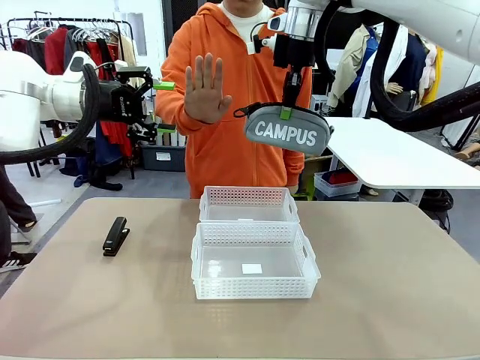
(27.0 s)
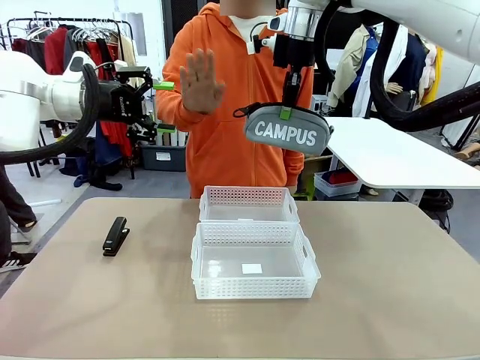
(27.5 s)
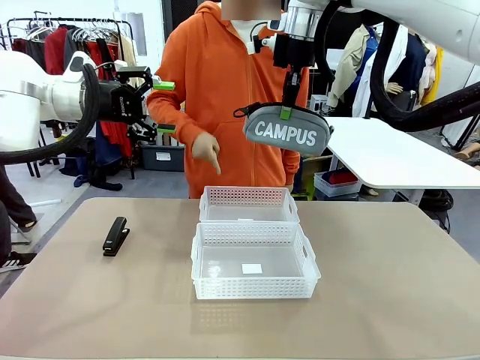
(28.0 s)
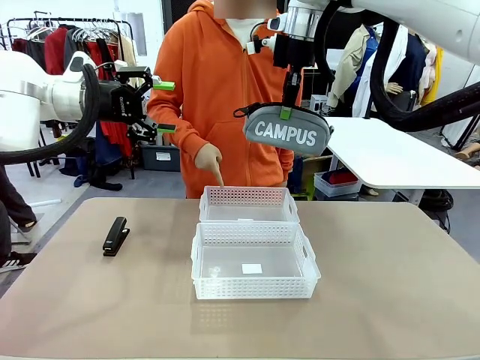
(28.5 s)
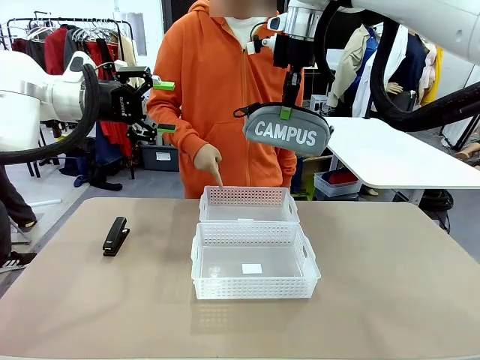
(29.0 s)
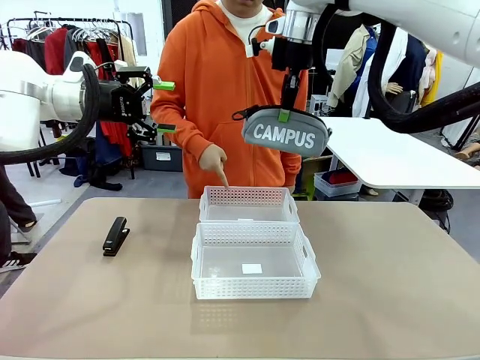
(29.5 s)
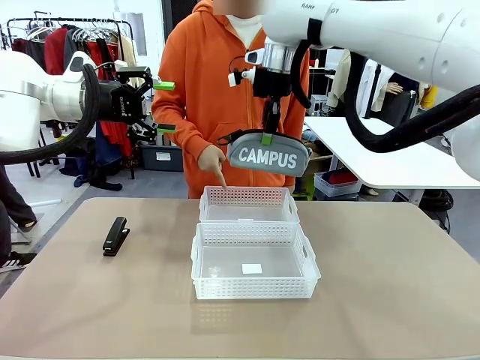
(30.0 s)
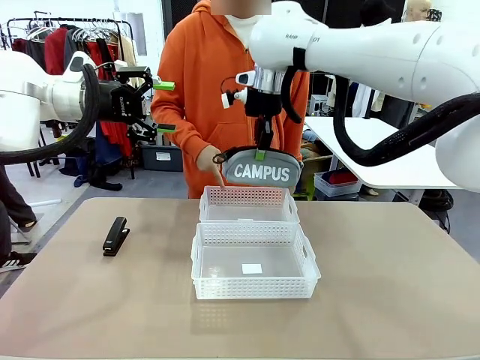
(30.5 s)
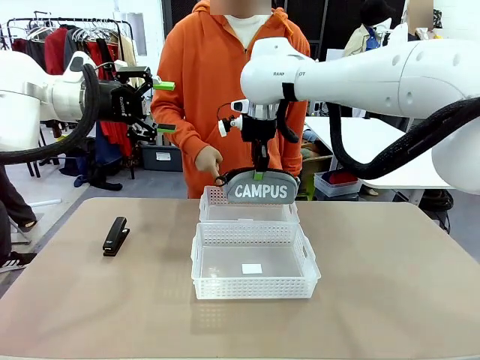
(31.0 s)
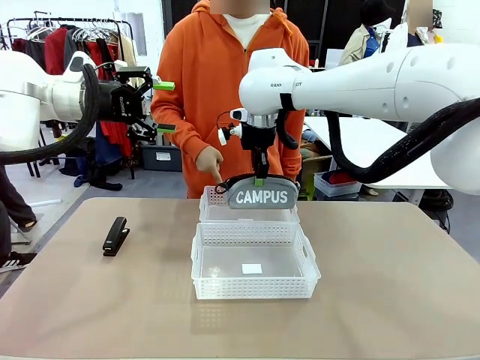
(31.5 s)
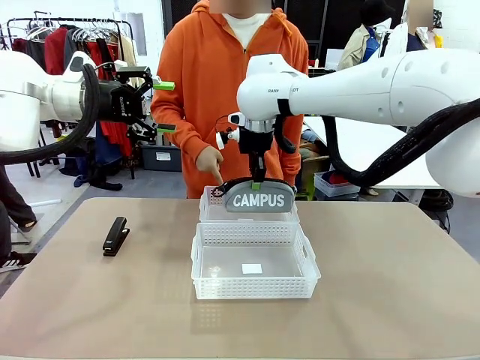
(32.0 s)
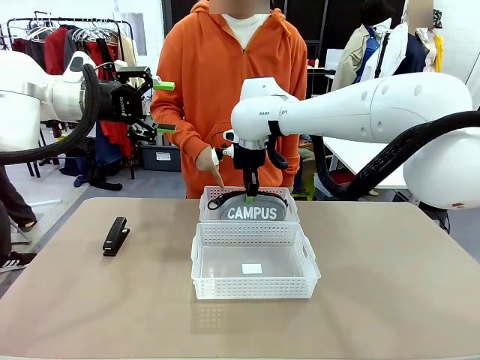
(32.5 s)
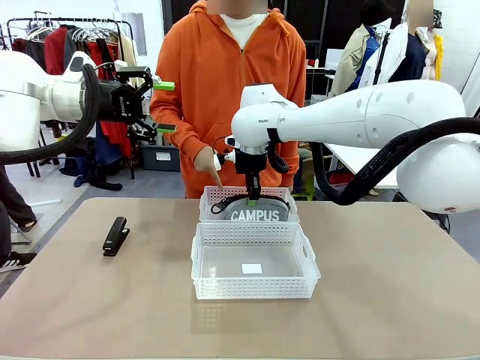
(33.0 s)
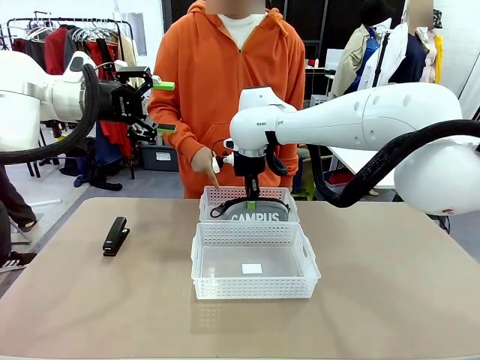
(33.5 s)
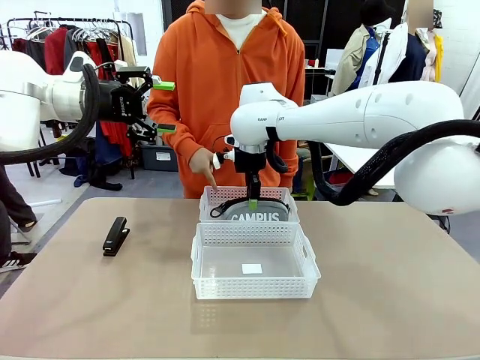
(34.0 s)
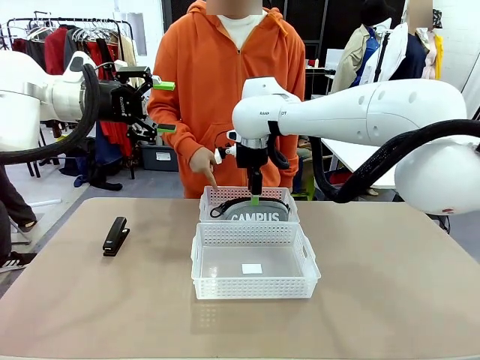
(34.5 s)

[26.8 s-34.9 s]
Task: Distribute items into two baskets.
Robot: Place the picked Pencil pouch into the Organizing basket as instructed by the person.
Person: Instructs the robot to place the pencil case into the opposite basket.

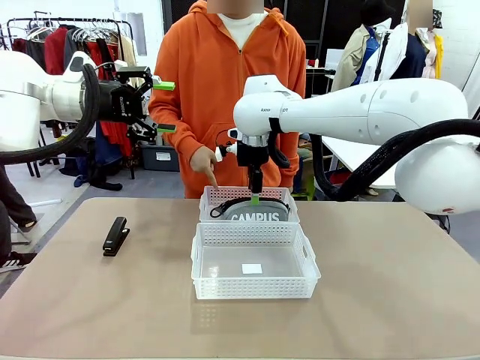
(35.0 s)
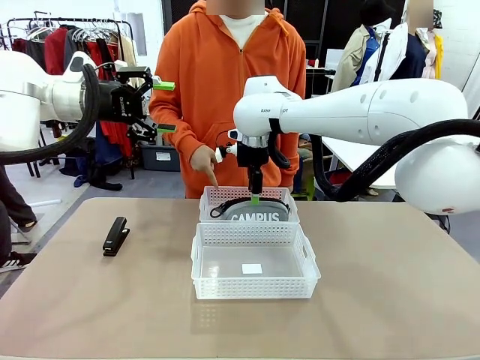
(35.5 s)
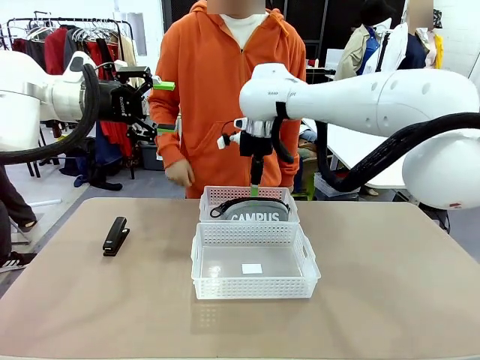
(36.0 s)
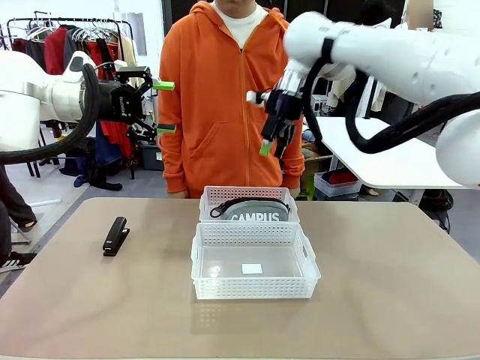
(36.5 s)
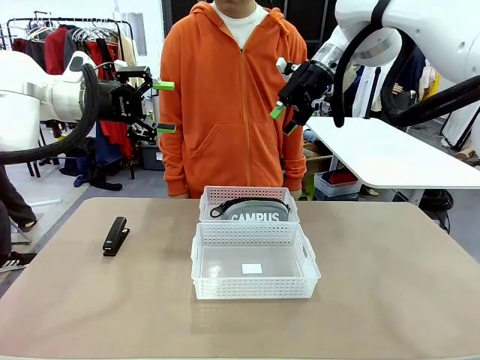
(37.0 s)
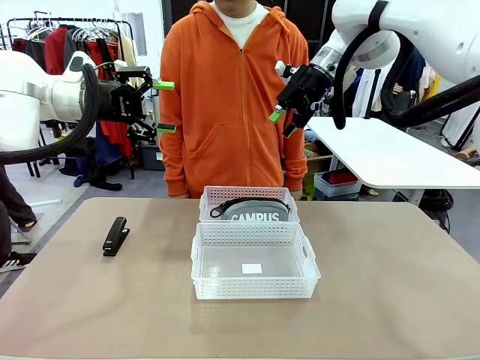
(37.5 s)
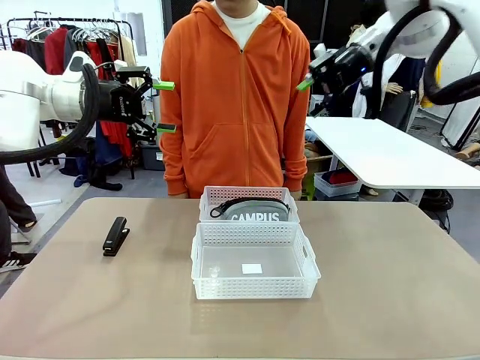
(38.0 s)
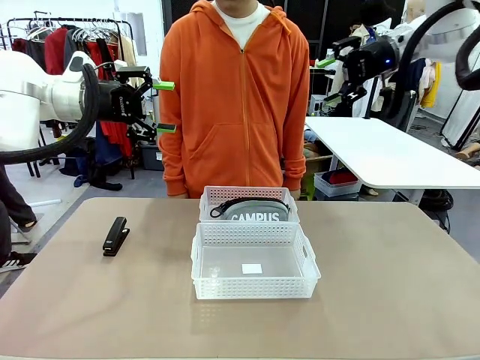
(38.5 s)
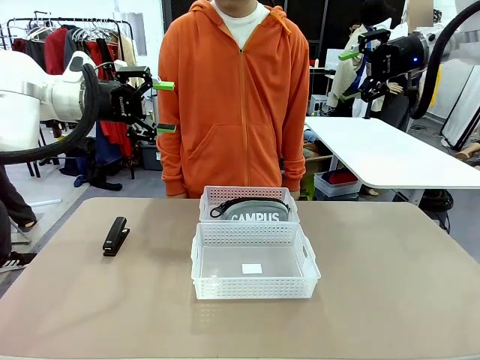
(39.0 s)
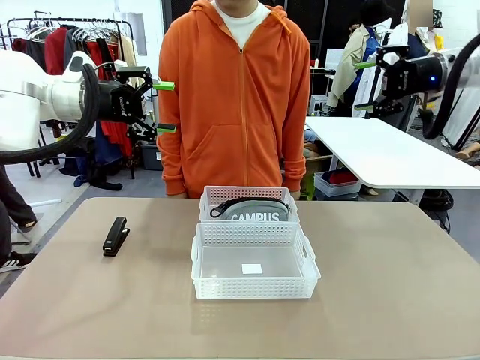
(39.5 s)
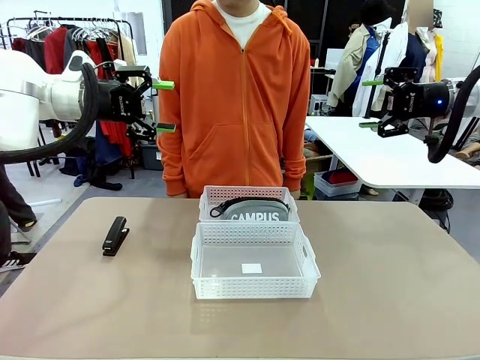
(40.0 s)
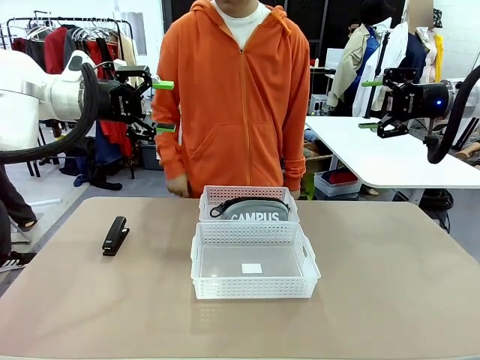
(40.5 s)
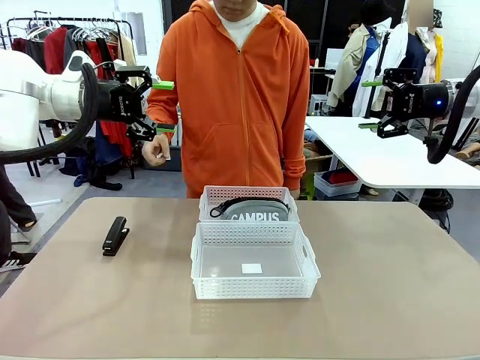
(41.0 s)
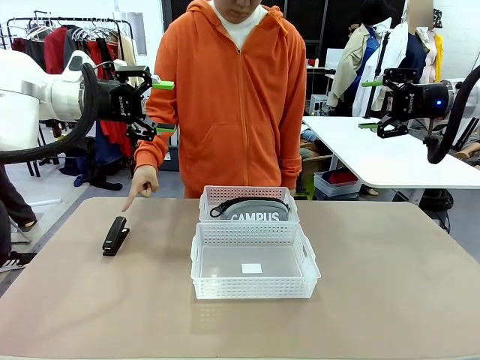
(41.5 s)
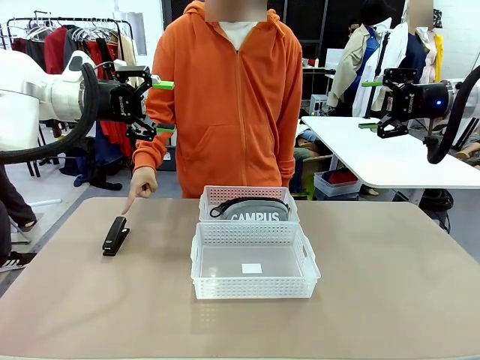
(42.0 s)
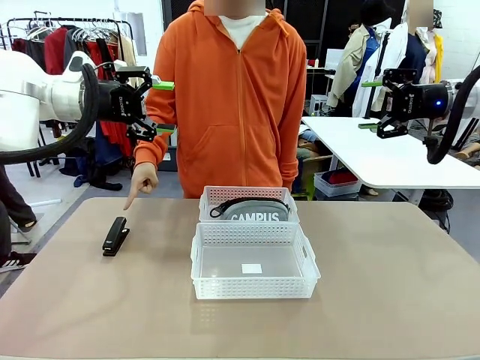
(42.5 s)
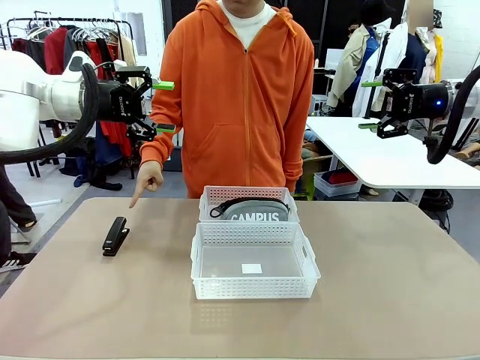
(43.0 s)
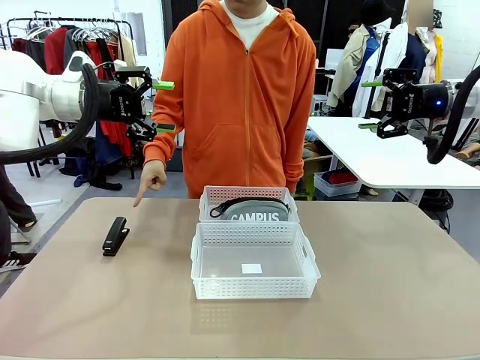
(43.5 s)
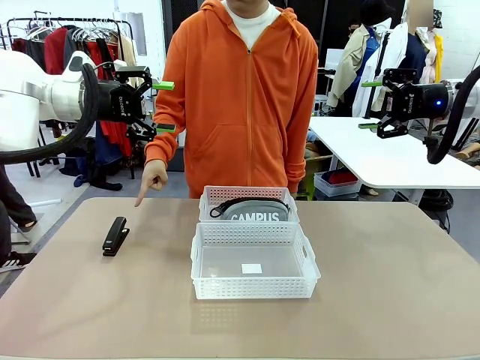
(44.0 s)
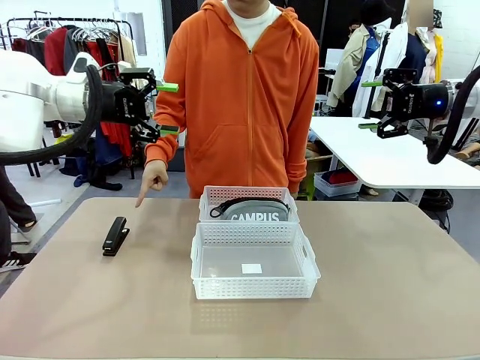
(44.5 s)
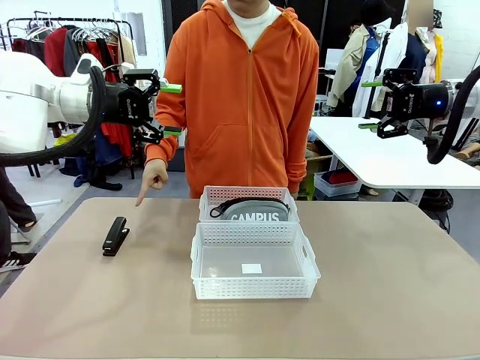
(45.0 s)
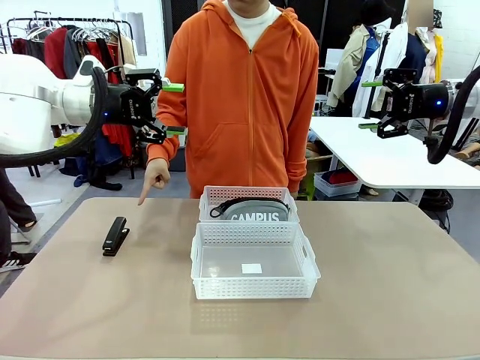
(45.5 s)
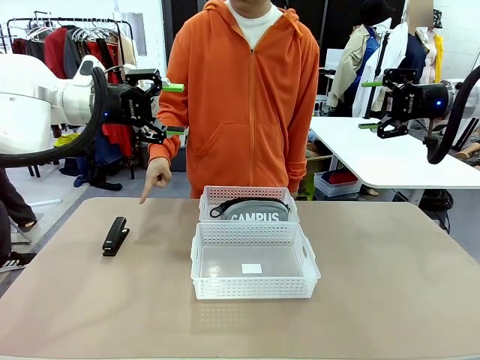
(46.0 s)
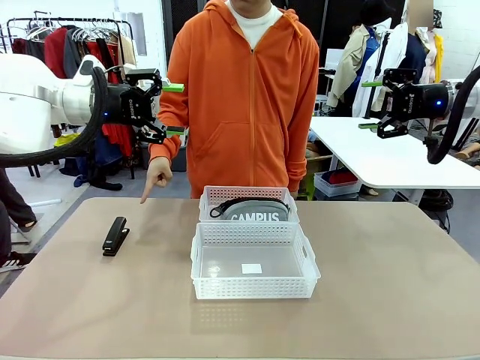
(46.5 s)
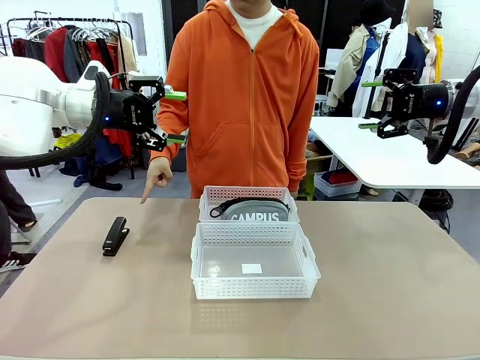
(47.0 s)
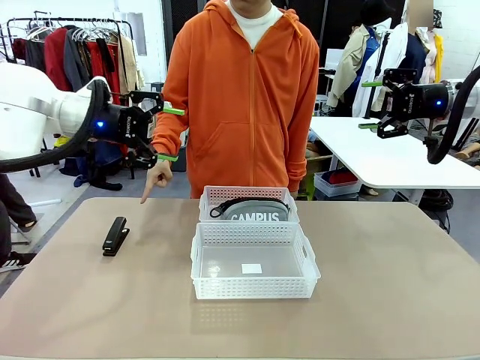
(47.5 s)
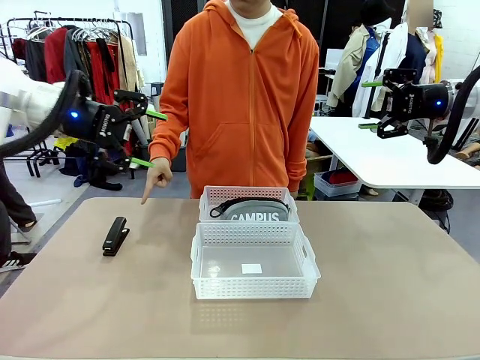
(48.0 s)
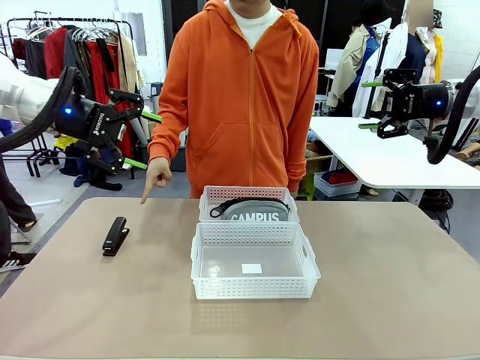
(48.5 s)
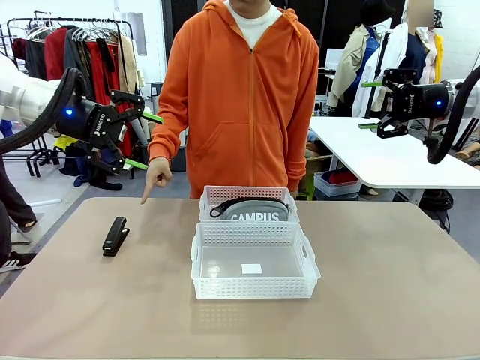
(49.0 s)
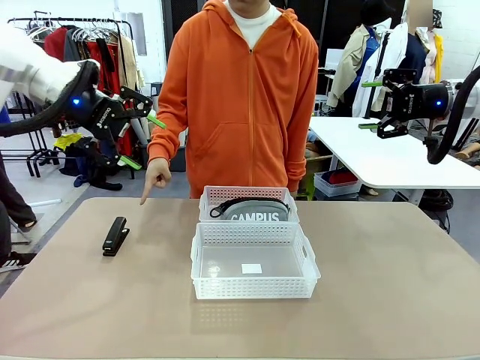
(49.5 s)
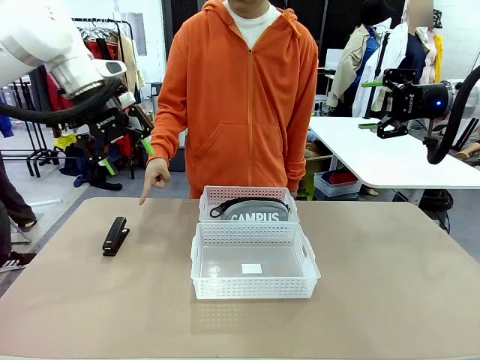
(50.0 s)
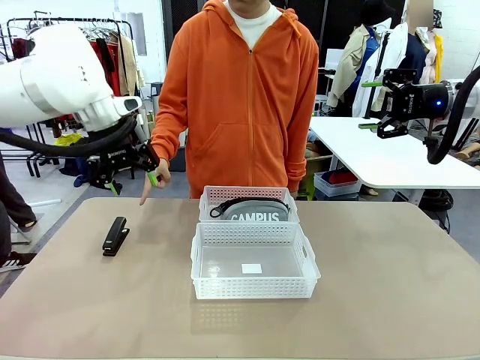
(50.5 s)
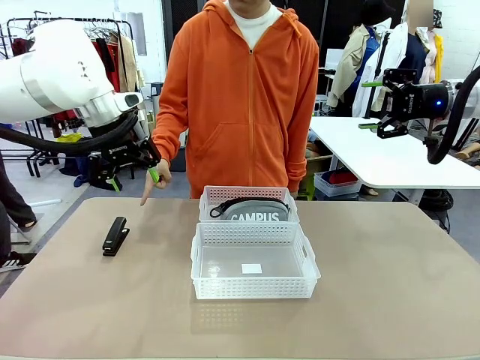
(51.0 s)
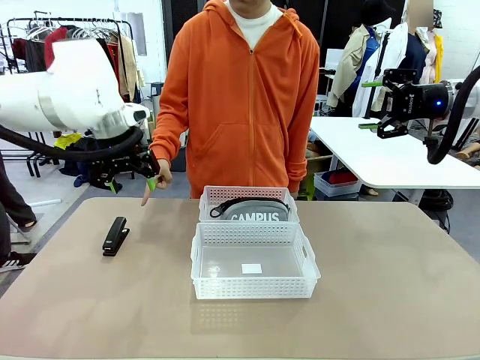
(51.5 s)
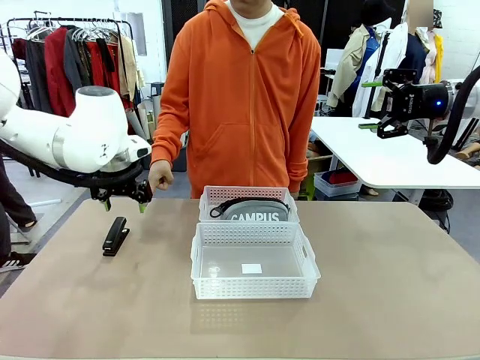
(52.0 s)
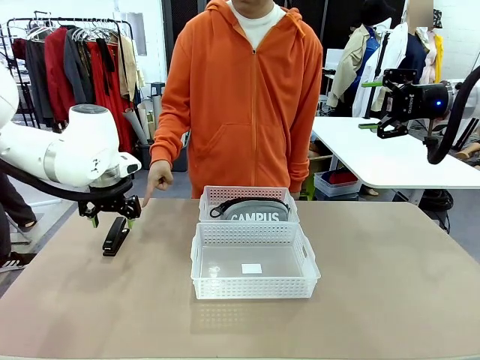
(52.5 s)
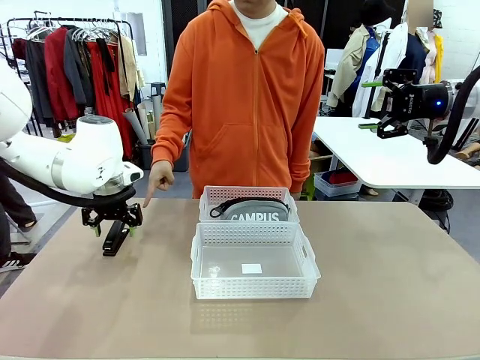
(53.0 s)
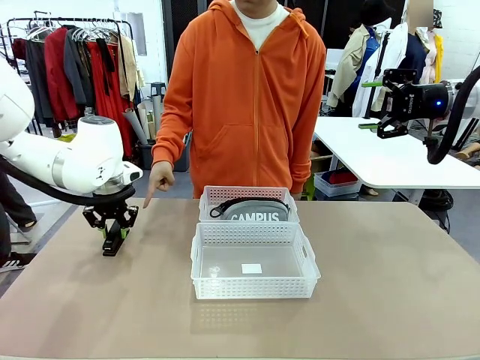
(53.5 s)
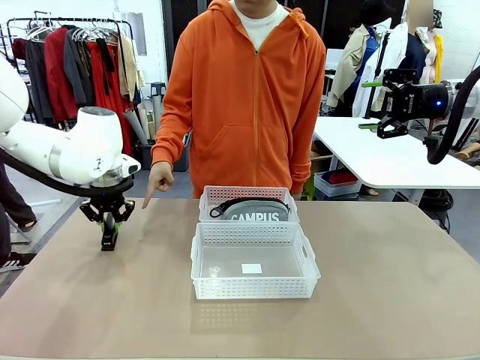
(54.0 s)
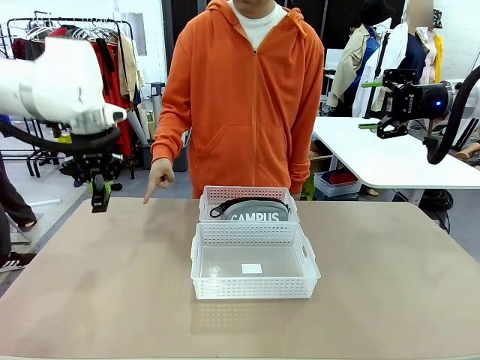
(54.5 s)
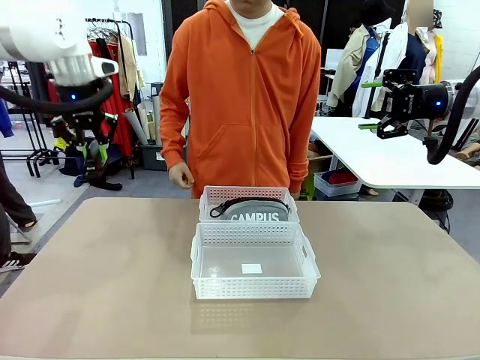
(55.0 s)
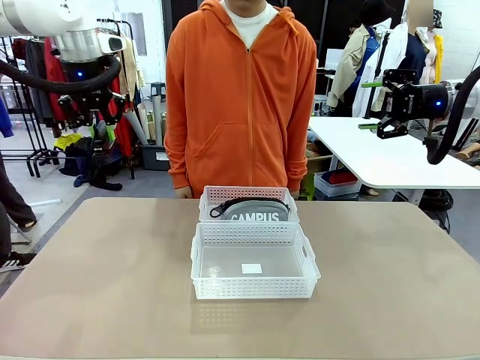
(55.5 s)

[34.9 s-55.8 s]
Robot: Pick up the Stapler that the person points to.
Person: Points to the stapler.
